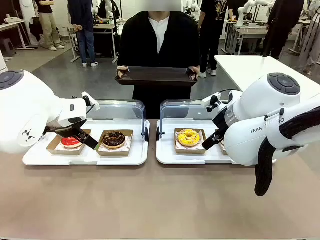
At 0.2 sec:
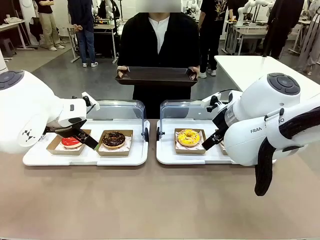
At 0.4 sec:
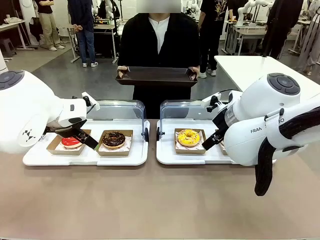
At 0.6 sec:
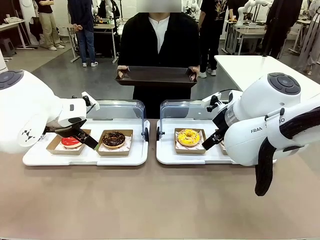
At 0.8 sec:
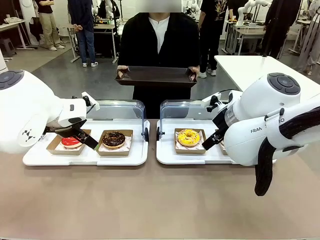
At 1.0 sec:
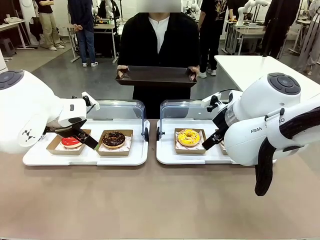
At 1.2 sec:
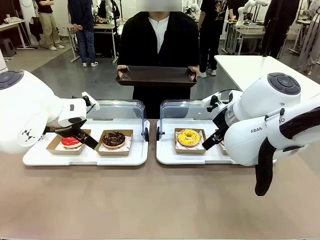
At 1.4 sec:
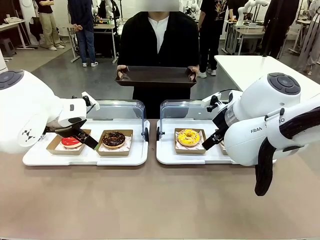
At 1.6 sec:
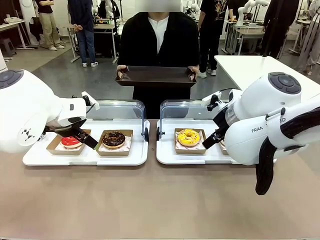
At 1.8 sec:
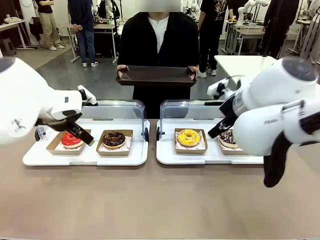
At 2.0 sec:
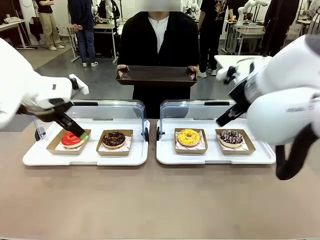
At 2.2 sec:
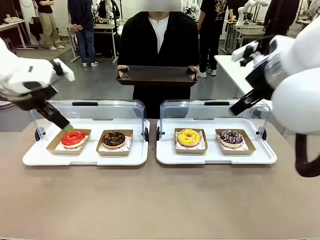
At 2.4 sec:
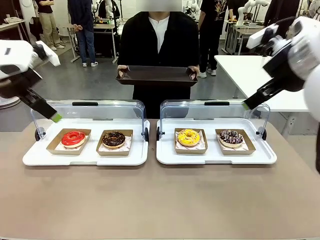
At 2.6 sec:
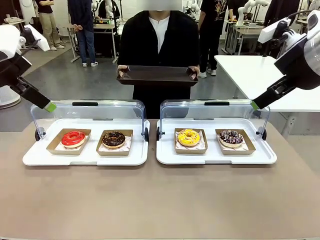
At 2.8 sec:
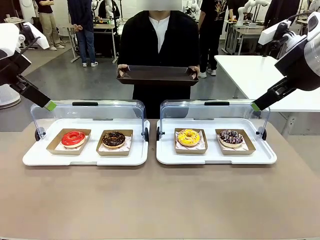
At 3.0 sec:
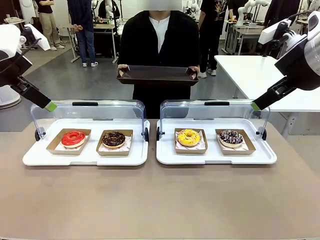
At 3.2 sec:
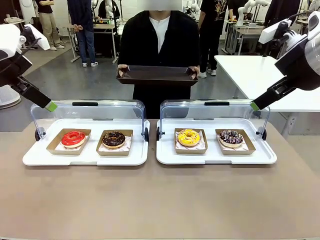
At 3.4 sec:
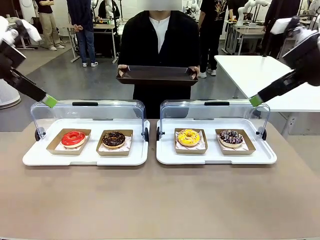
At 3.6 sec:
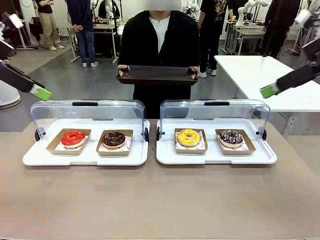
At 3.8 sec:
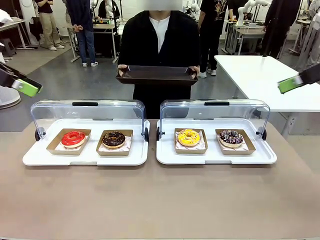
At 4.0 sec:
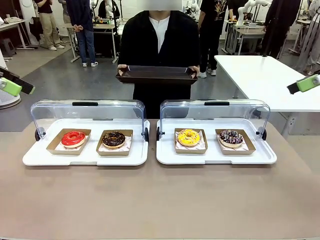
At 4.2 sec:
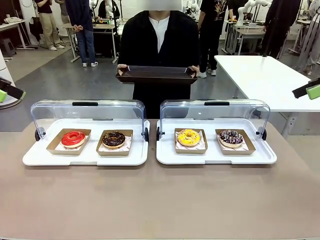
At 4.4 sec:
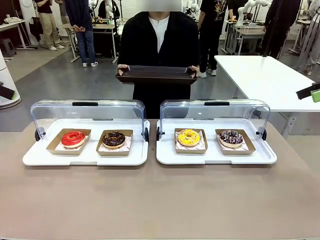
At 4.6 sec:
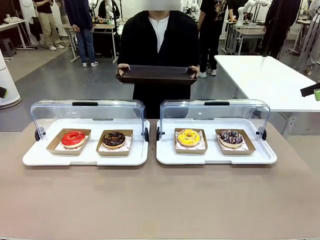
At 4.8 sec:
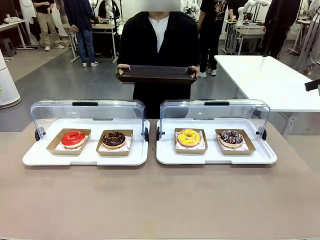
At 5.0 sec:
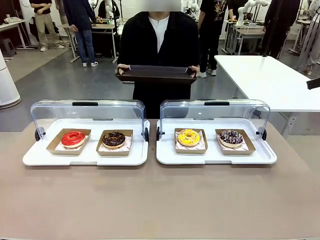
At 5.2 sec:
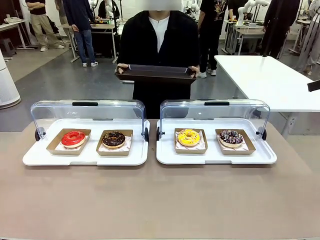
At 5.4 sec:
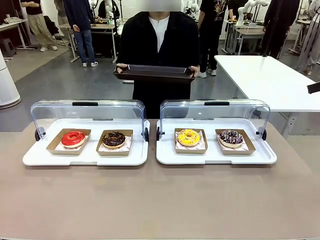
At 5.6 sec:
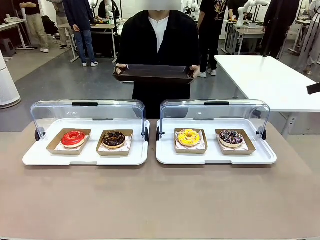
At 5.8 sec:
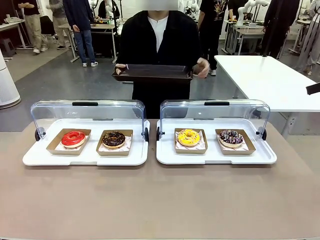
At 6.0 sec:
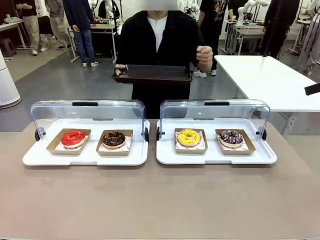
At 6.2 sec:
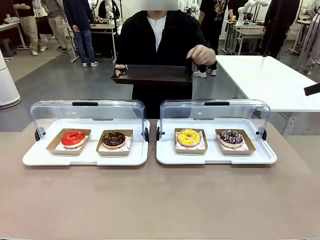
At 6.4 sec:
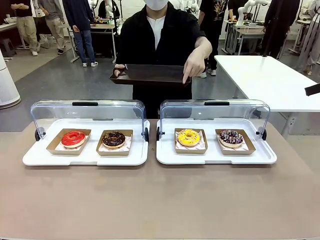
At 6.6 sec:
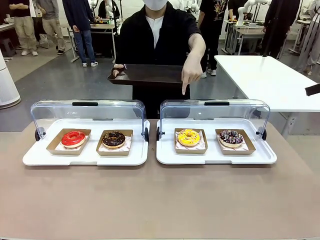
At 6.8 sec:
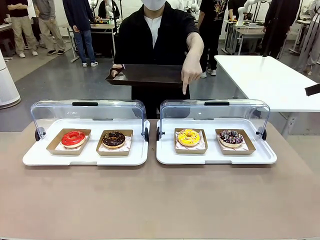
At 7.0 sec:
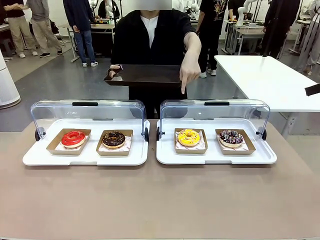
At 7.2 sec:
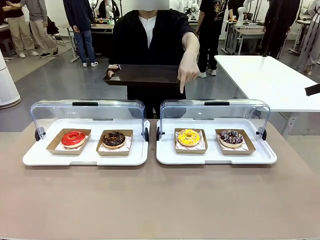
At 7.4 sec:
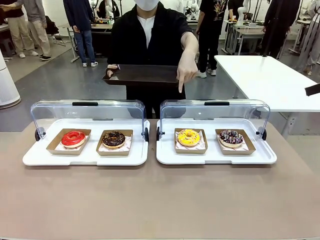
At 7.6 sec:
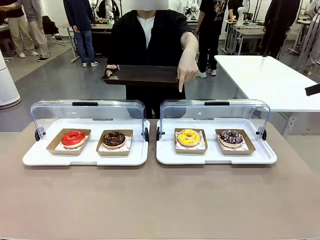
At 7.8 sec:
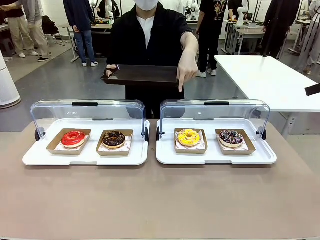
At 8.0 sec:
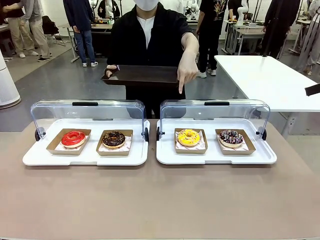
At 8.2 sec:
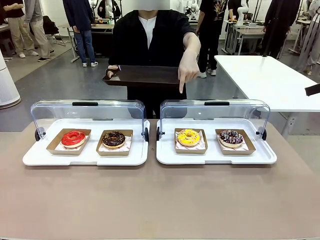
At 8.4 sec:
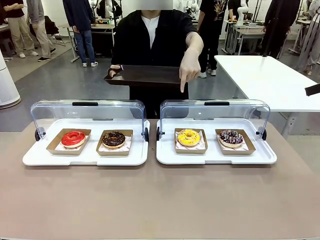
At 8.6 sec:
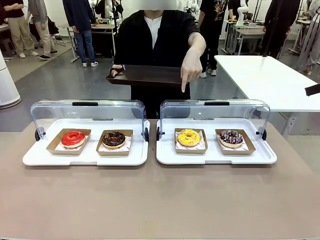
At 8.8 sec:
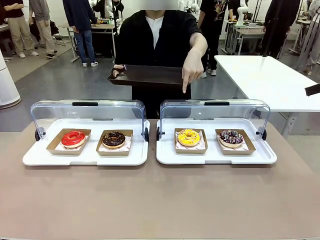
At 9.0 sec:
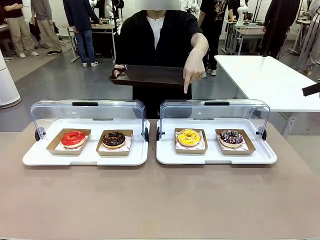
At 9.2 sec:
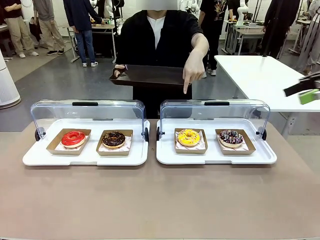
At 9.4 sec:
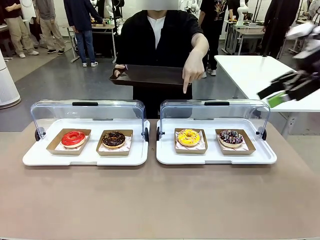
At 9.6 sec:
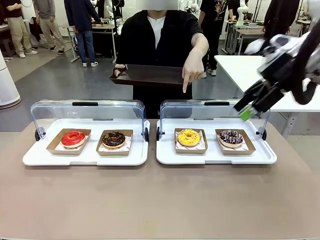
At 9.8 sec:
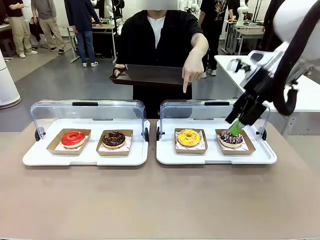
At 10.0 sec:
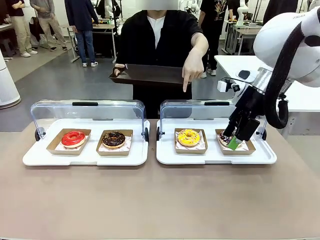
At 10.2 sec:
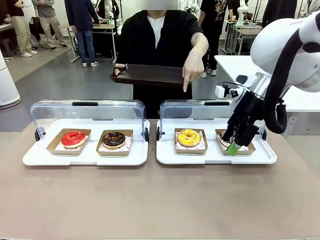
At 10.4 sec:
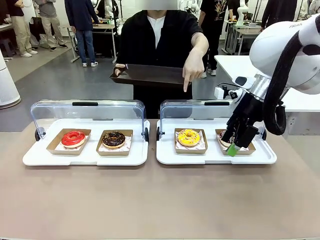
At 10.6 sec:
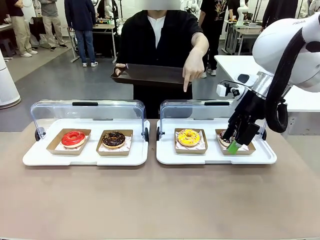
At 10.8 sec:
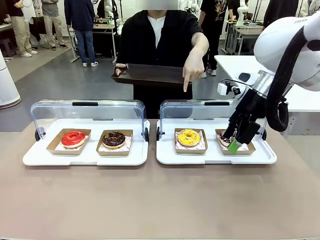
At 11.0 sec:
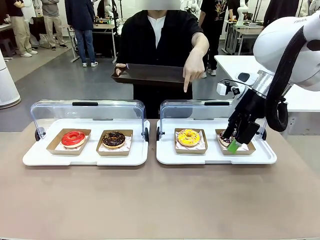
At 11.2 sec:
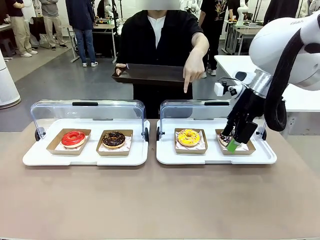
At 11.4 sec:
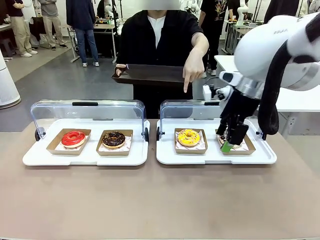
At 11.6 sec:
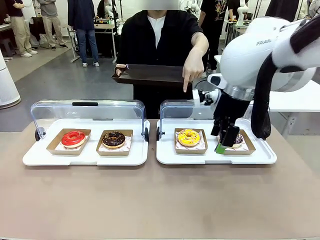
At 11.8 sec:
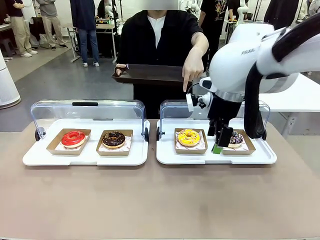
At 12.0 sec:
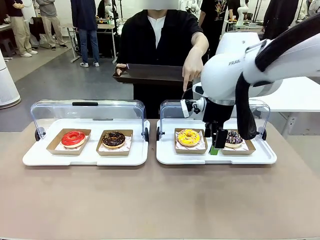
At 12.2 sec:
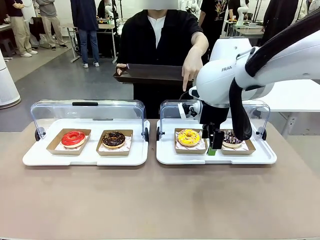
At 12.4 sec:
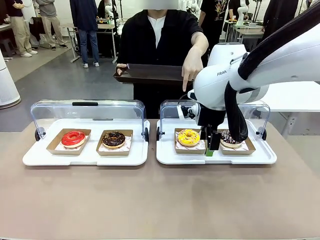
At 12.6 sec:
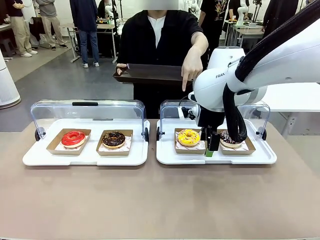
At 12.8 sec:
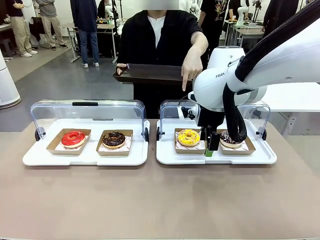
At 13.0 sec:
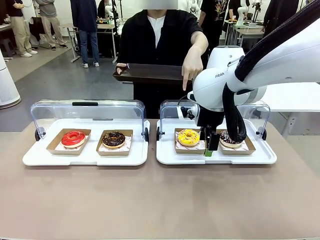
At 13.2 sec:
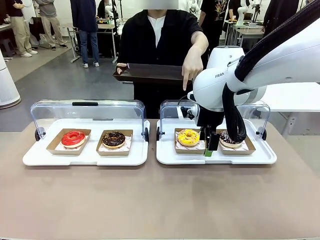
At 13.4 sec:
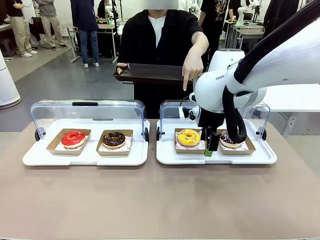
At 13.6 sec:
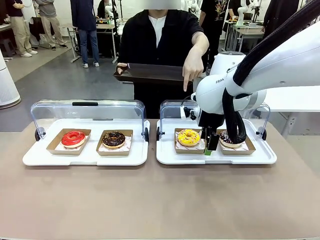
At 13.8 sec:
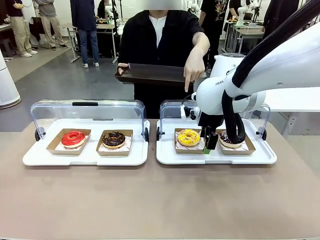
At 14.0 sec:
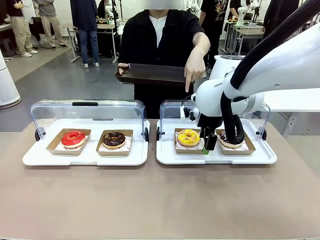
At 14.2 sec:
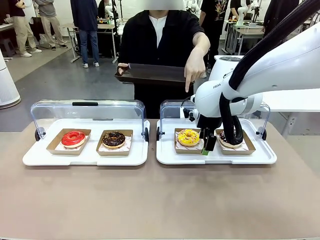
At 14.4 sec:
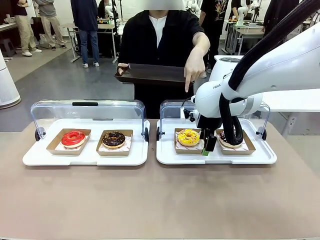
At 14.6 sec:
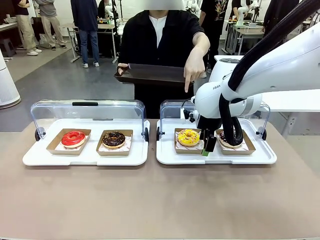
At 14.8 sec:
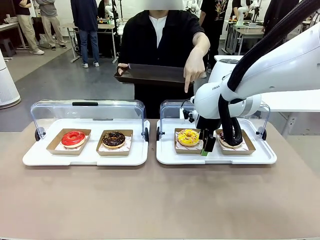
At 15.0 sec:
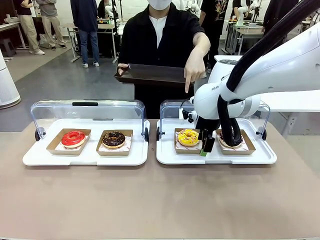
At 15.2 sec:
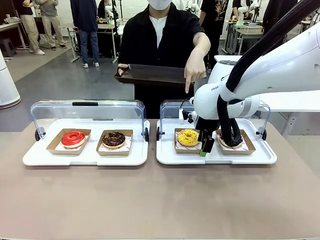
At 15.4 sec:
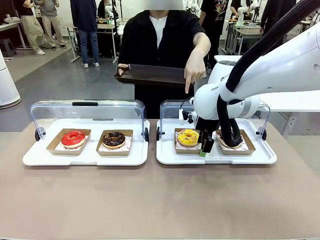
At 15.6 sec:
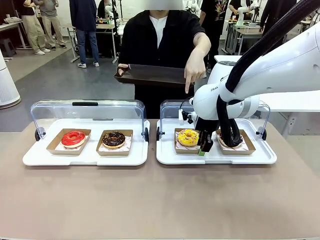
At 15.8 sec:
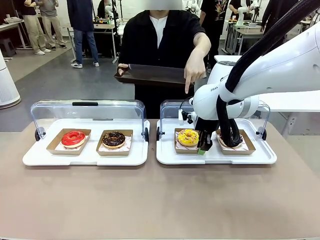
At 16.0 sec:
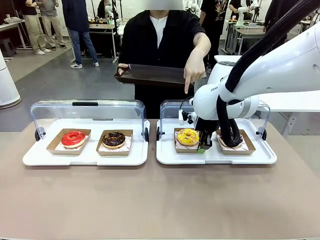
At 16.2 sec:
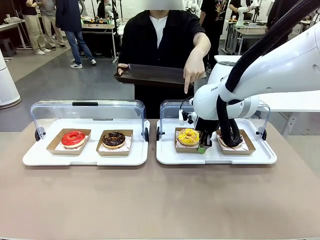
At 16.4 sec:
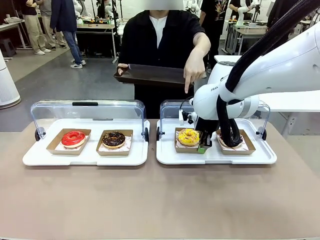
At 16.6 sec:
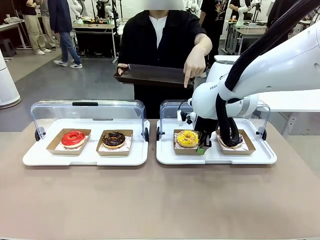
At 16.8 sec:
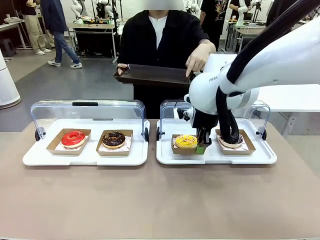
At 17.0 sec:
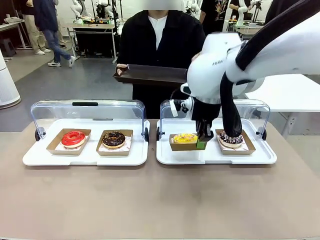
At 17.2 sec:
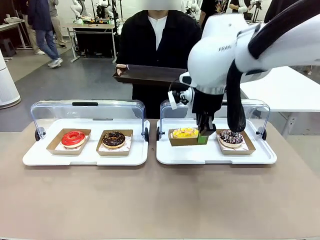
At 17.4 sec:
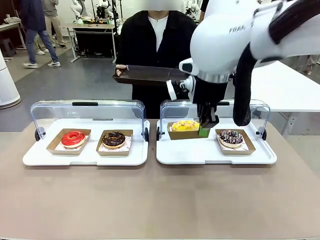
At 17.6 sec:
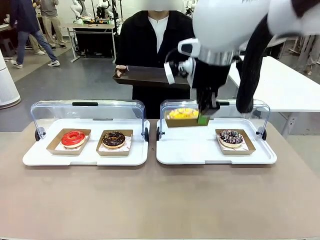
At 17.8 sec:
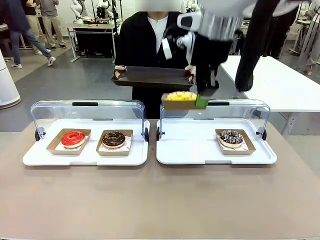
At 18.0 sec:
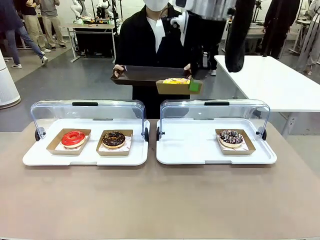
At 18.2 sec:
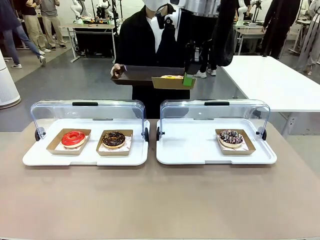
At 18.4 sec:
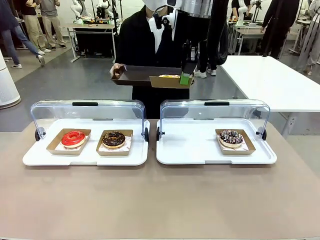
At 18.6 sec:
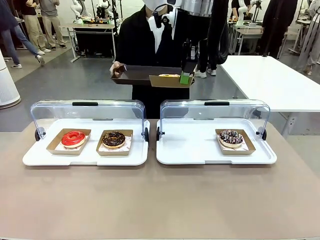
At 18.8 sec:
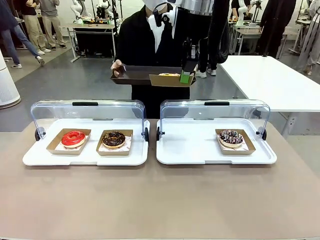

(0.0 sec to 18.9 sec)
Task: Provide the desired donut to the person.
Robot: Pick up and lift the Paper togo box containing the Donut pointed at by the person.
Person: Point to one donut. Lift the tray onto the Roll-Top Bakery Case.
